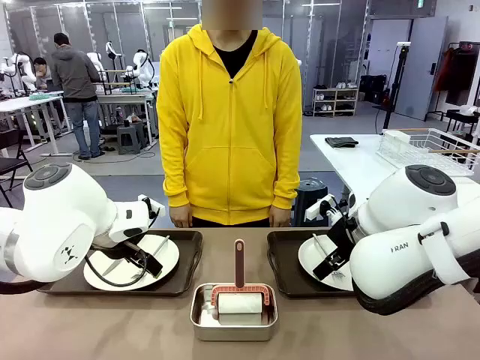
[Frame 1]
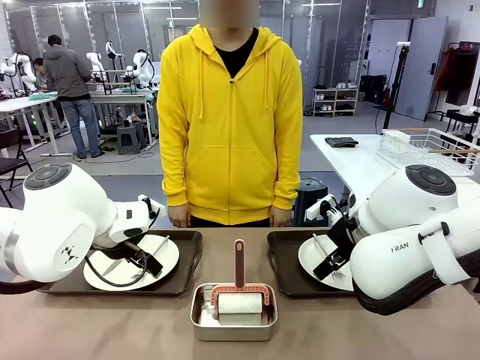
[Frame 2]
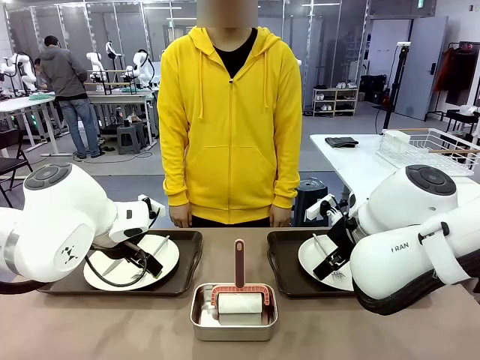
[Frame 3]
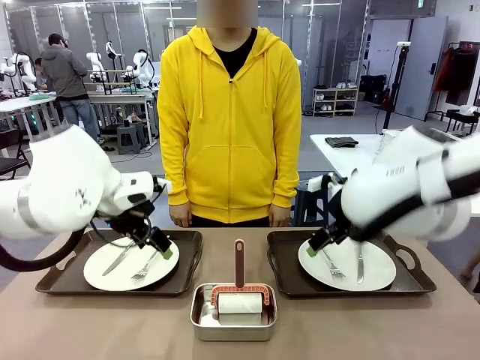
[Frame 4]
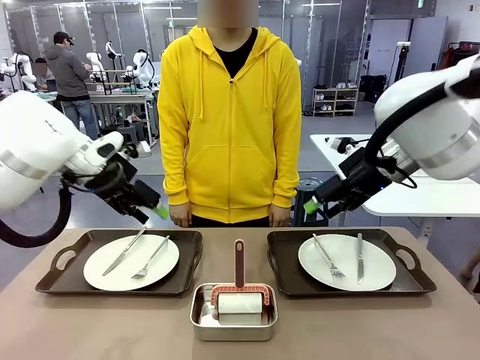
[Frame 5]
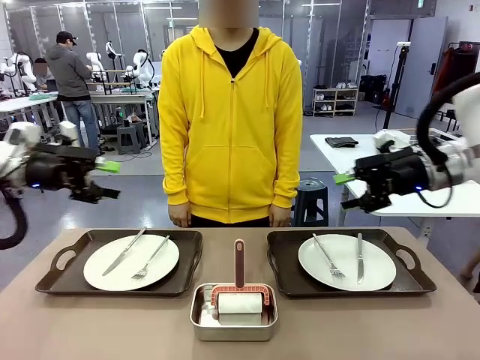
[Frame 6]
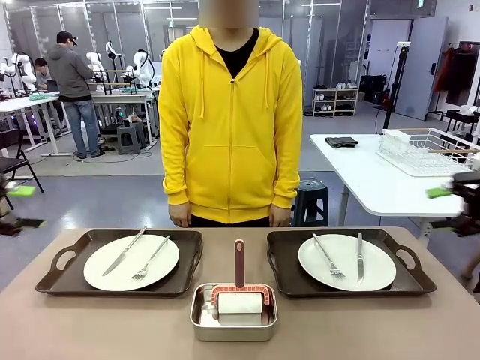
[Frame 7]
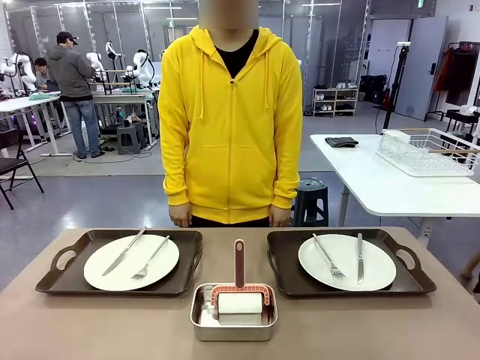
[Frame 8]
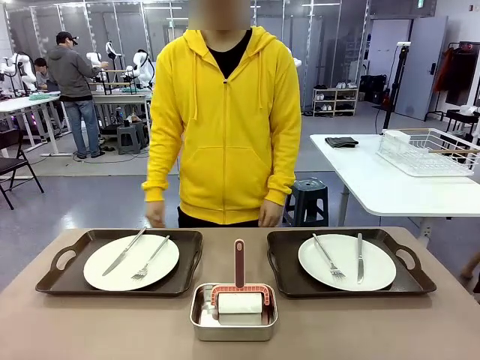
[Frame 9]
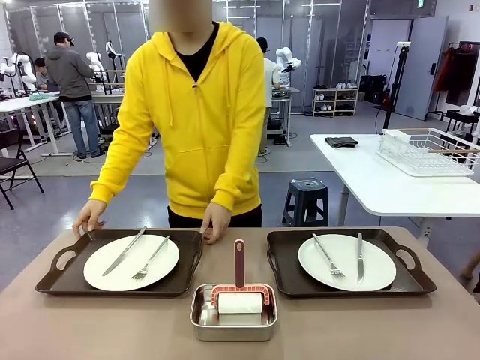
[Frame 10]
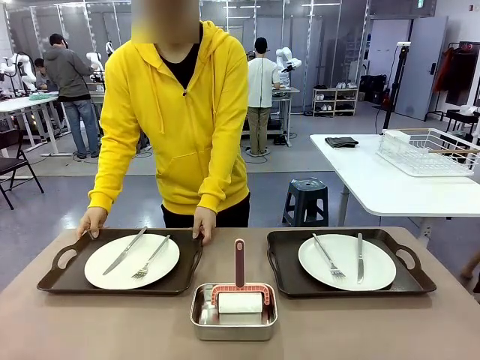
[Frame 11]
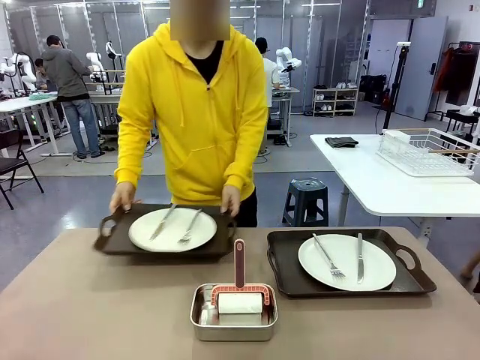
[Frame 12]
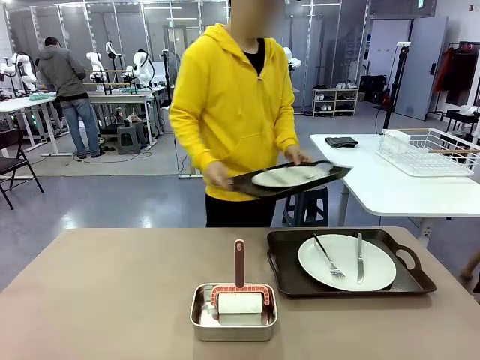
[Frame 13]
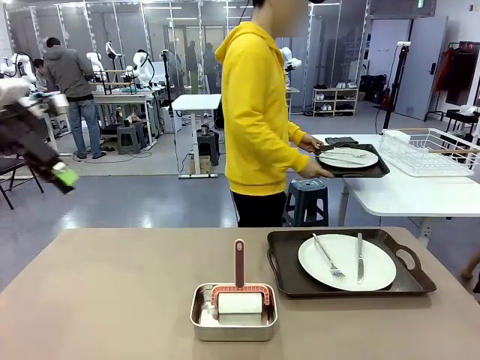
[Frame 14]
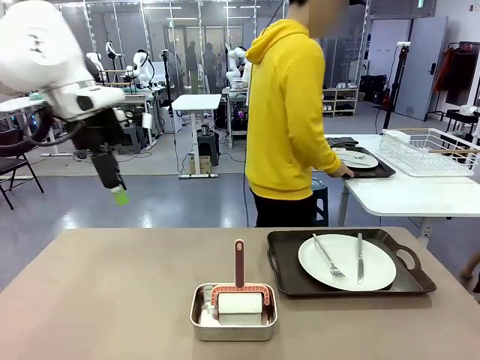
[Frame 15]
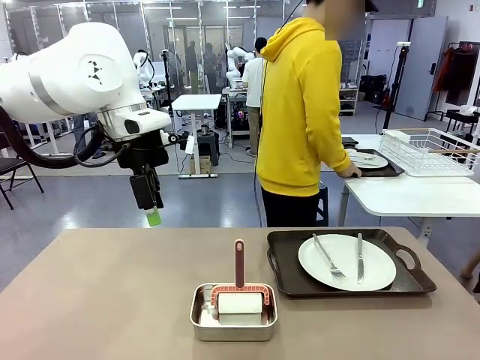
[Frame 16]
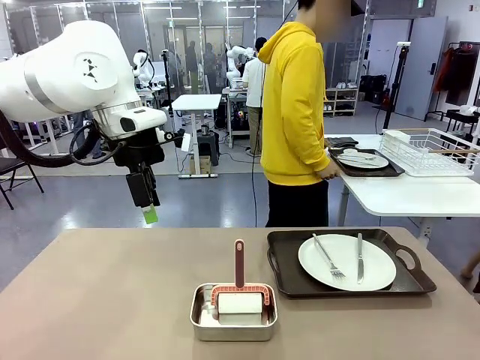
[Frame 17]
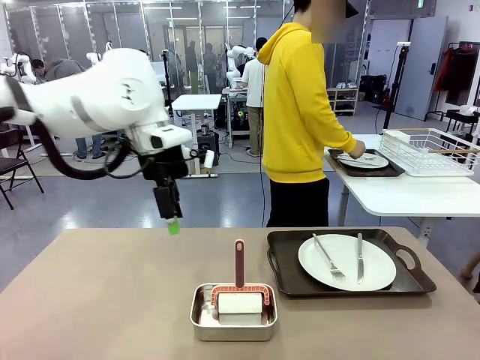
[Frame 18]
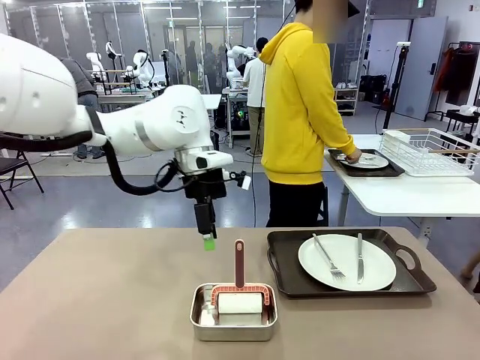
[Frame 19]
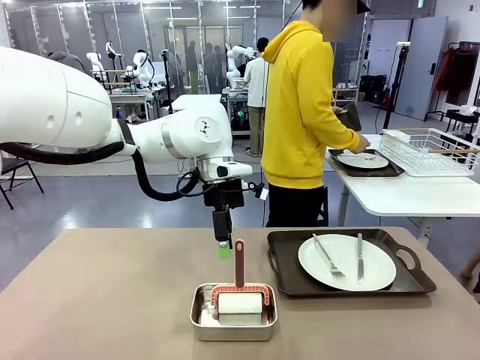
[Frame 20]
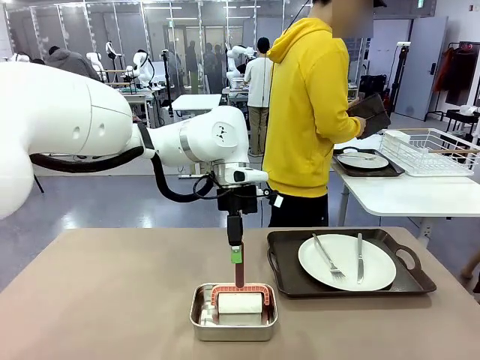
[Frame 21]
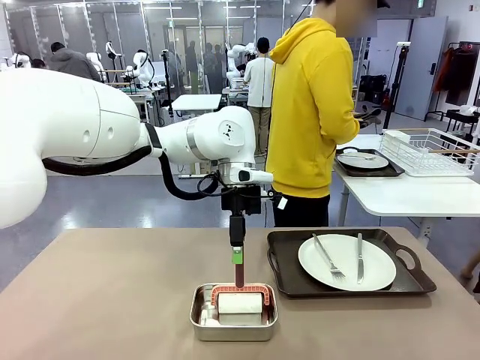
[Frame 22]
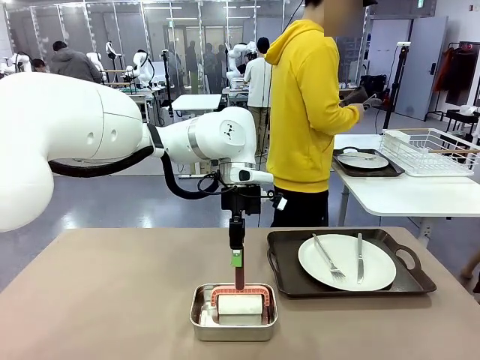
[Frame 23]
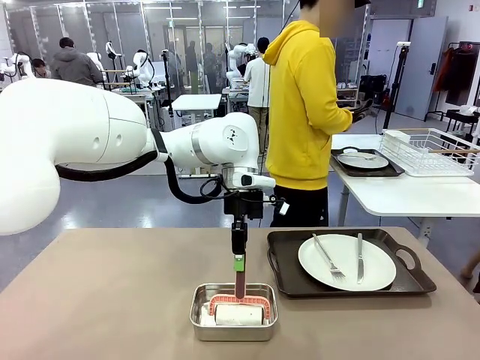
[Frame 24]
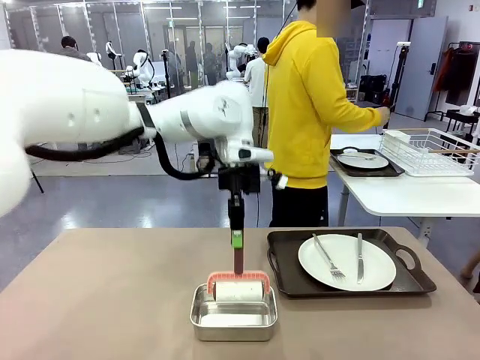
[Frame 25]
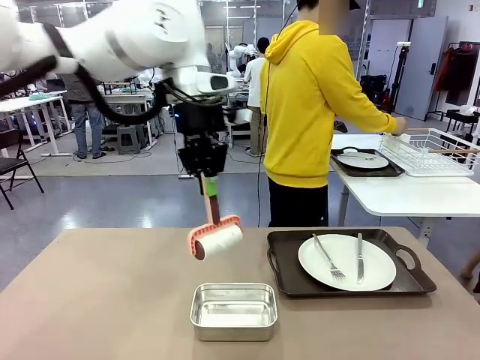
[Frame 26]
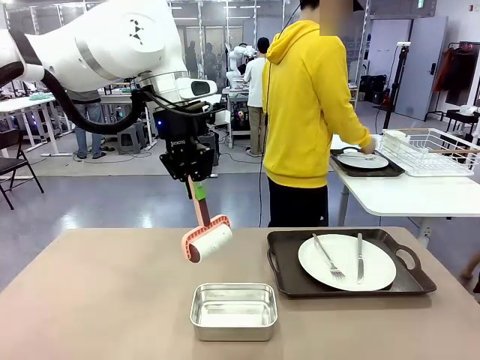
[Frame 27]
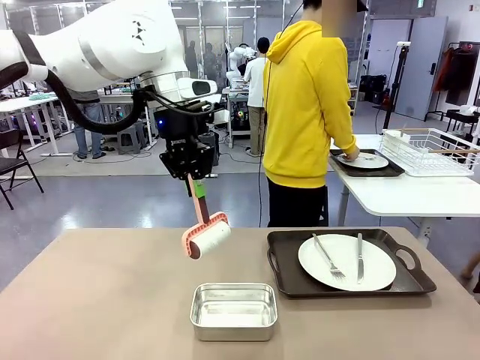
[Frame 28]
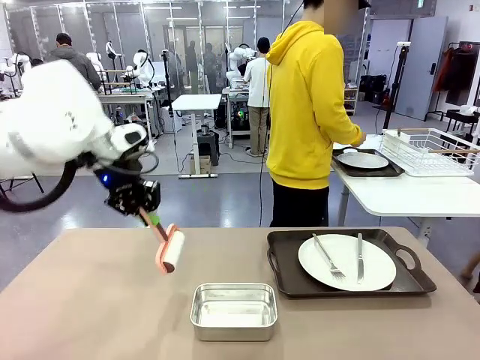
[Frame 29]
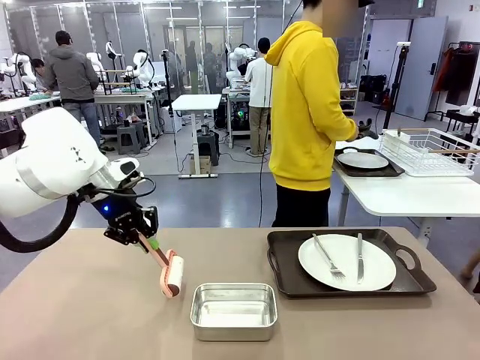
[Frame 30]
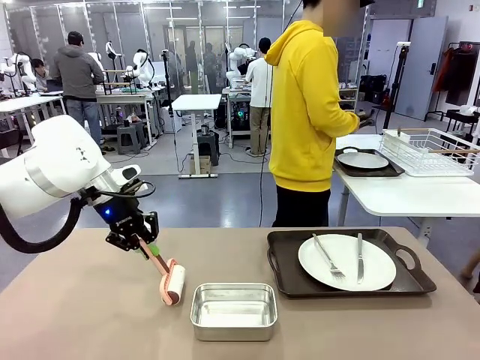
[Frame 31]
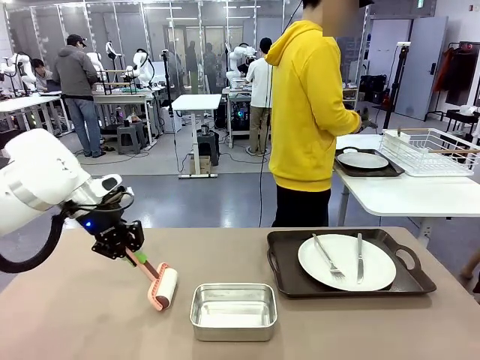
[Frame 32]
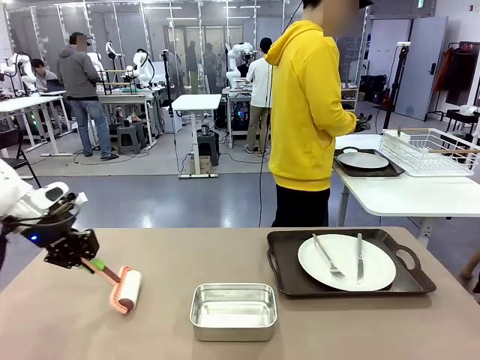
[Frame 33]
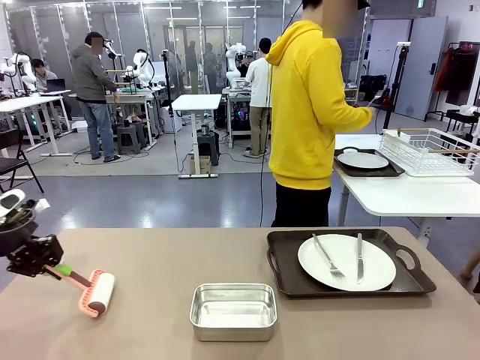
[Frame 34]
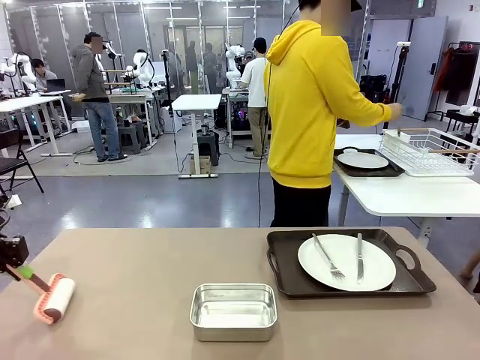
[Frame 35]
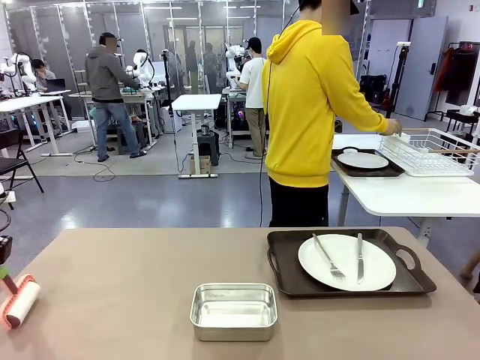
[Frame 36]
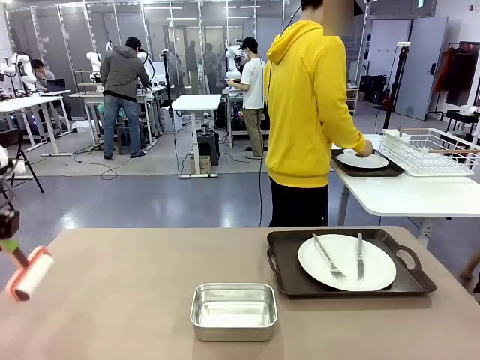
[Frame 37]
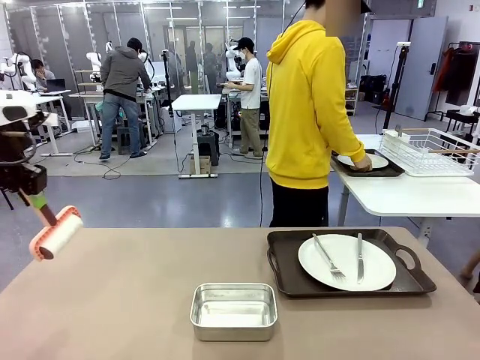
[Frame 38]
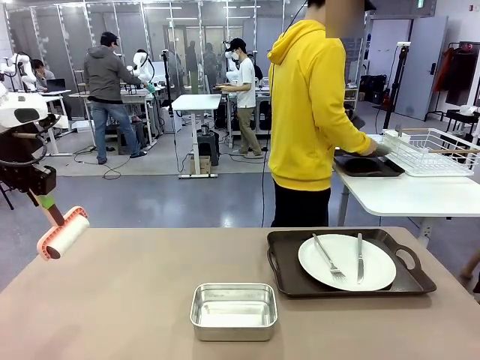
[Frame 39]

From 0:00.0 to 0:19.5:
Robot: When the left (or right) Handle tray is removed, use the left hand (or right hand) to clean the left (or right) side of the table with the Lint Roller.
Person: Pick up the left (or right) Handle tray and place it on the middle of the Human's table. Use the Towel with hook to wipe the Plastic Matte Plate , Fork , and Knife and place into the Dish drying rack.

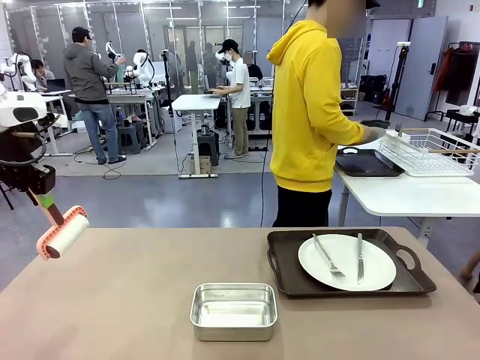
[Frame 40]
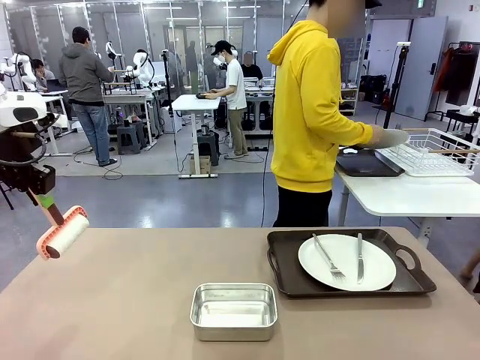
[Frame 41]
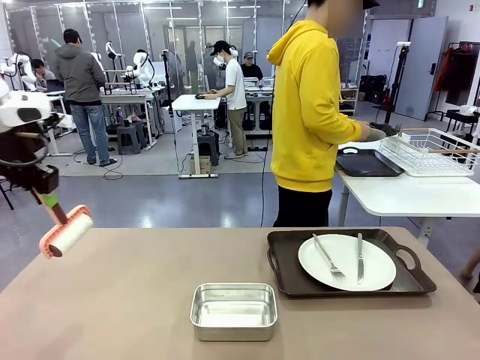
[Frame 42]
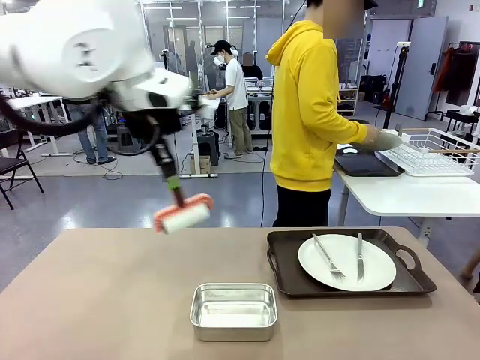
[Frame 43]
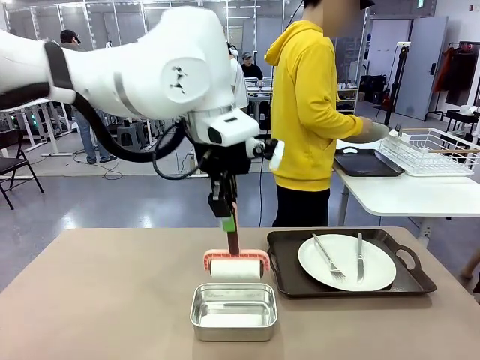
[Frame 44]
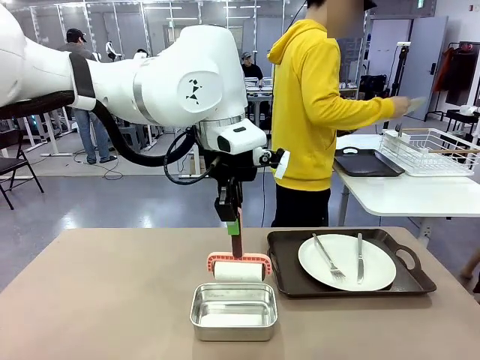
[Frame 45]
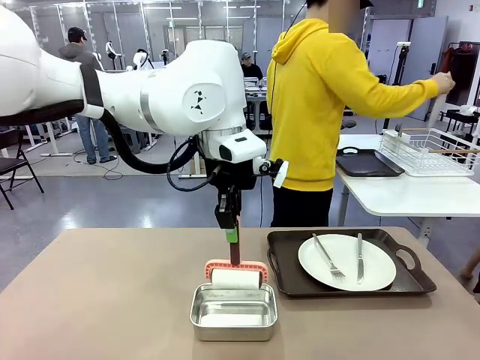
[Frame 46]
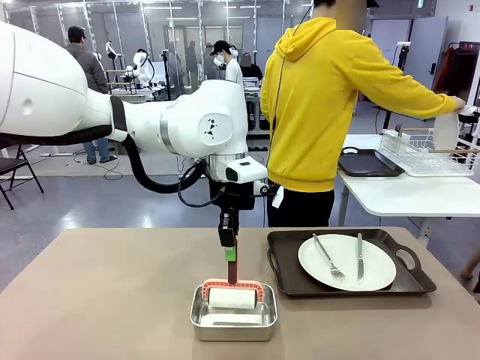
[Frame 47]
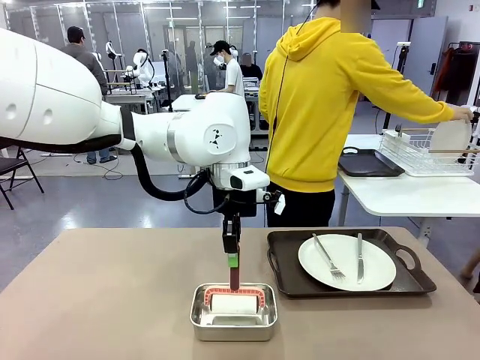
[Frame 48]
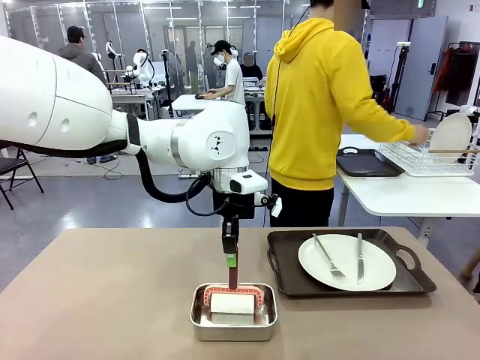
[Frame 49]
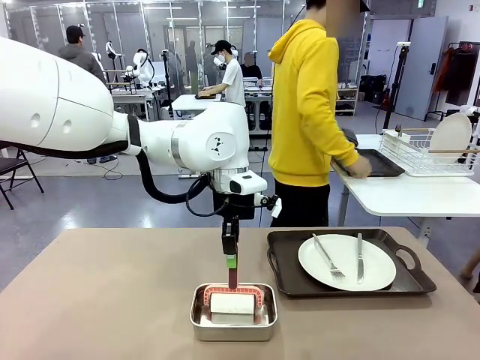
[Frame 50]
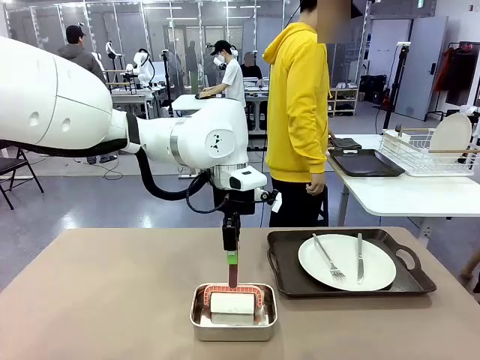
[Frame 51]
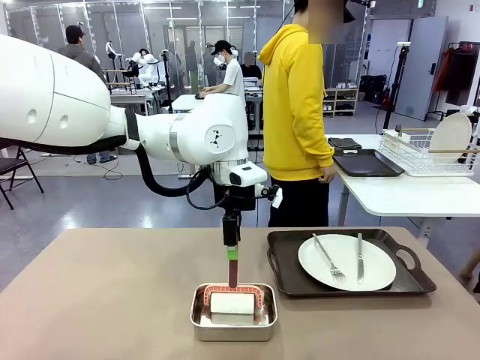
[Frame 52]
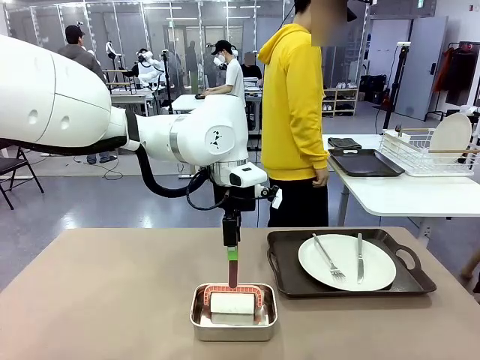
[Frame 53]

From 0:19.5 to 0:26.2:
Robot: Place the Lint Roller back on top of the Airtight Container.
